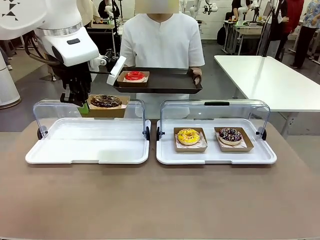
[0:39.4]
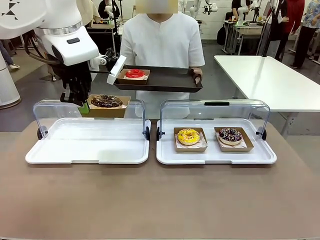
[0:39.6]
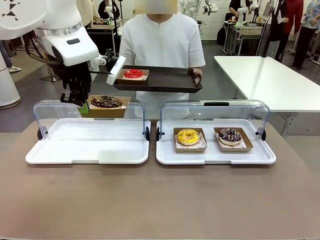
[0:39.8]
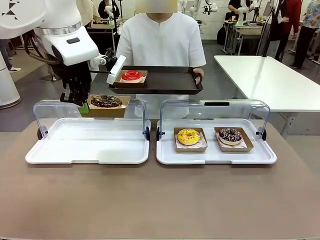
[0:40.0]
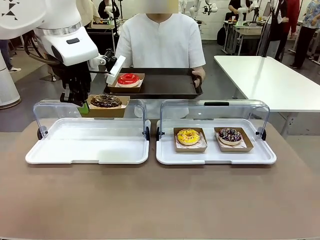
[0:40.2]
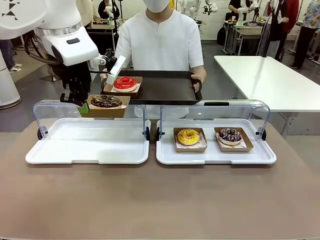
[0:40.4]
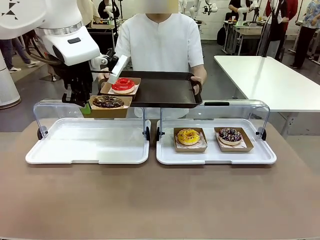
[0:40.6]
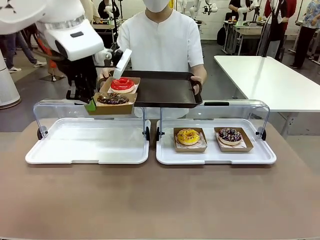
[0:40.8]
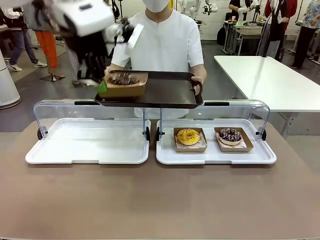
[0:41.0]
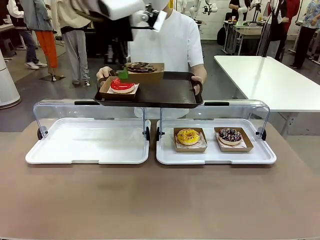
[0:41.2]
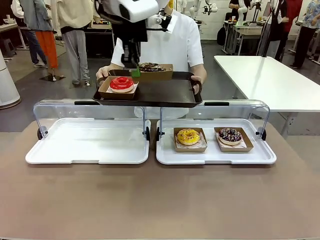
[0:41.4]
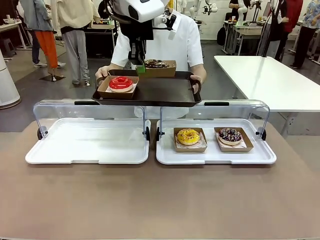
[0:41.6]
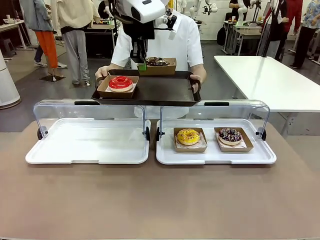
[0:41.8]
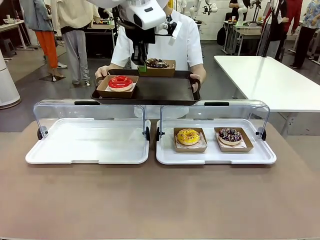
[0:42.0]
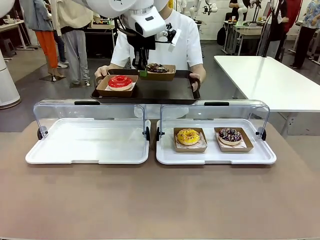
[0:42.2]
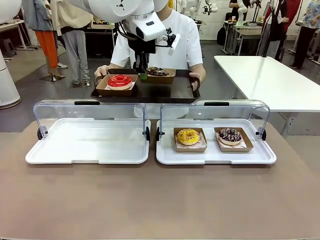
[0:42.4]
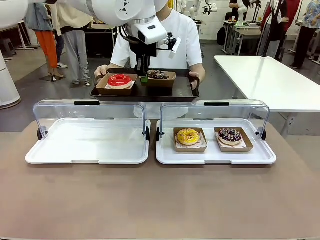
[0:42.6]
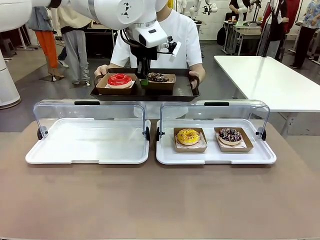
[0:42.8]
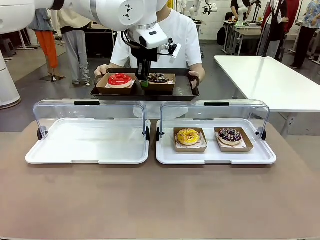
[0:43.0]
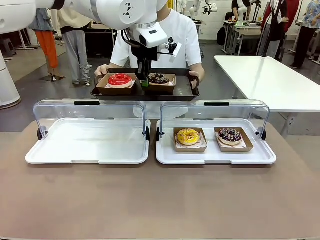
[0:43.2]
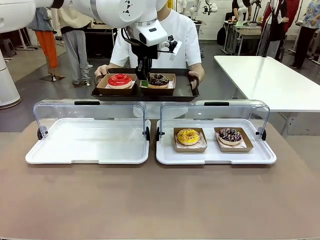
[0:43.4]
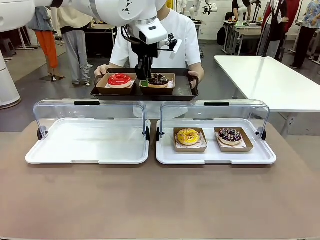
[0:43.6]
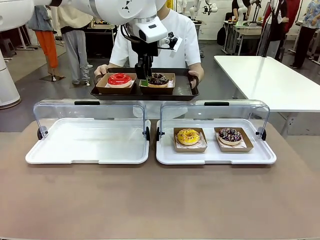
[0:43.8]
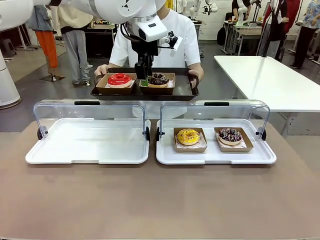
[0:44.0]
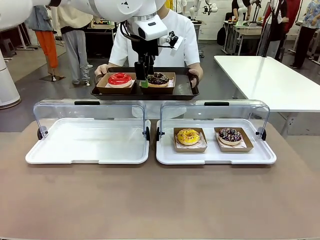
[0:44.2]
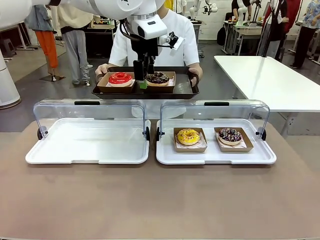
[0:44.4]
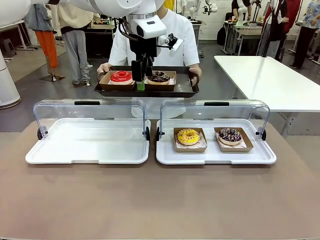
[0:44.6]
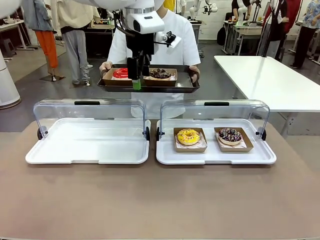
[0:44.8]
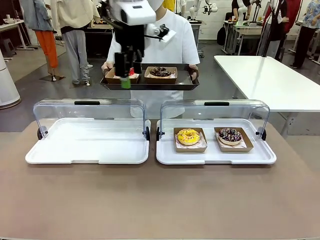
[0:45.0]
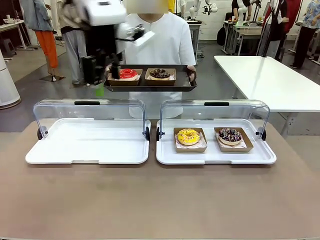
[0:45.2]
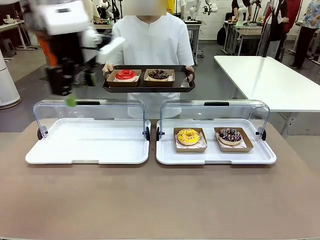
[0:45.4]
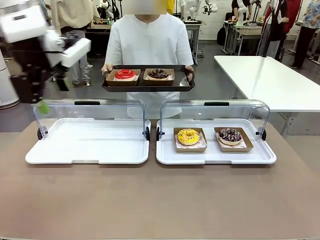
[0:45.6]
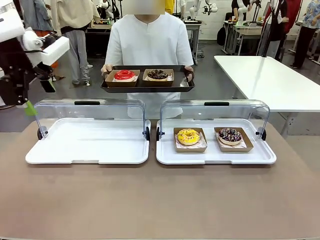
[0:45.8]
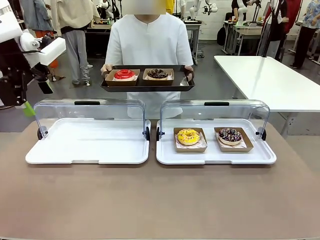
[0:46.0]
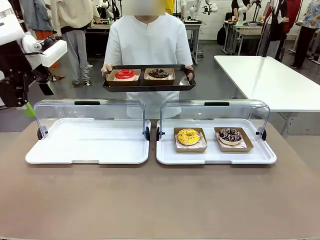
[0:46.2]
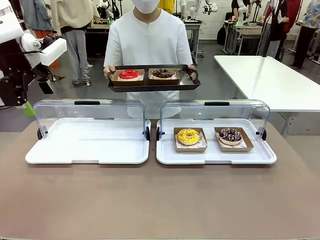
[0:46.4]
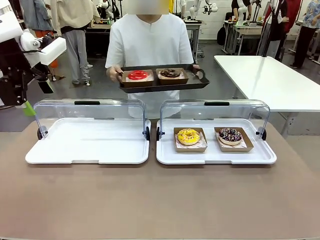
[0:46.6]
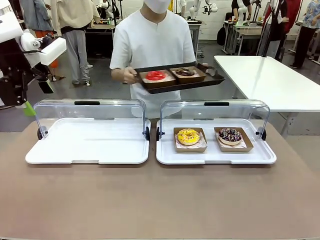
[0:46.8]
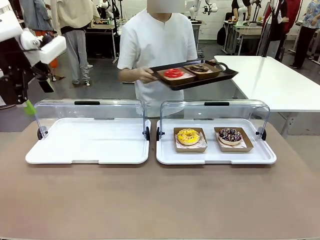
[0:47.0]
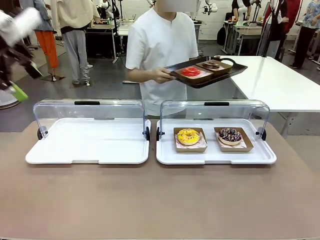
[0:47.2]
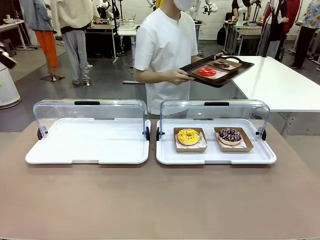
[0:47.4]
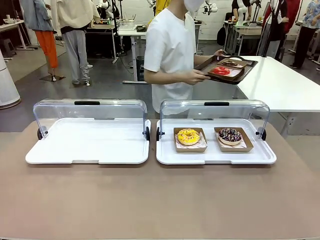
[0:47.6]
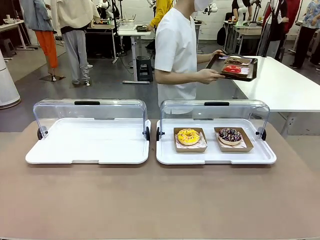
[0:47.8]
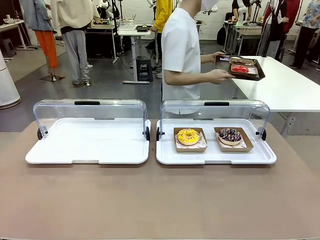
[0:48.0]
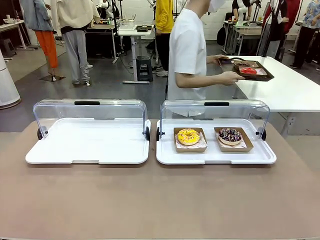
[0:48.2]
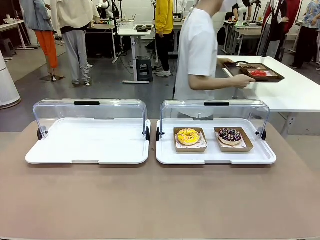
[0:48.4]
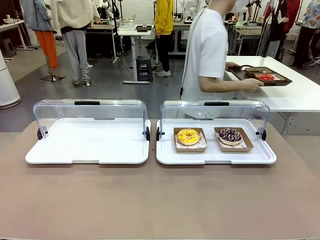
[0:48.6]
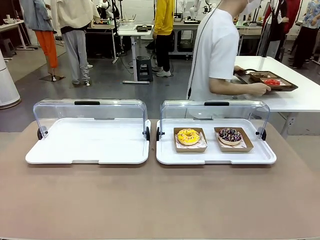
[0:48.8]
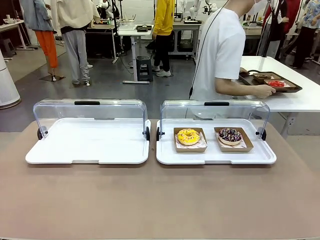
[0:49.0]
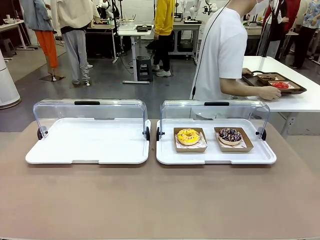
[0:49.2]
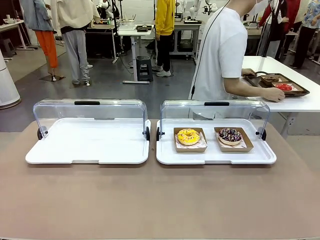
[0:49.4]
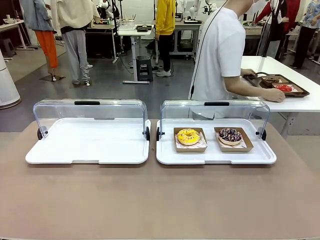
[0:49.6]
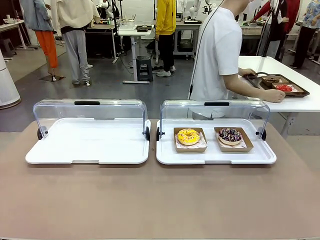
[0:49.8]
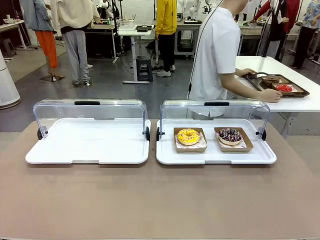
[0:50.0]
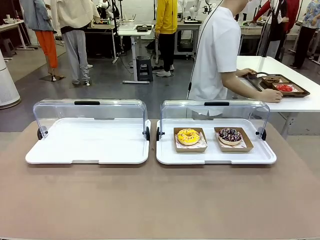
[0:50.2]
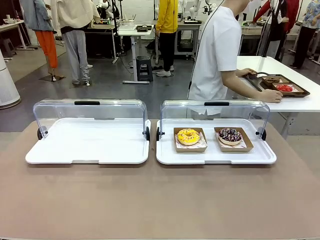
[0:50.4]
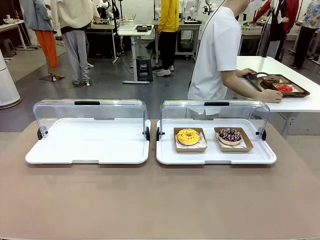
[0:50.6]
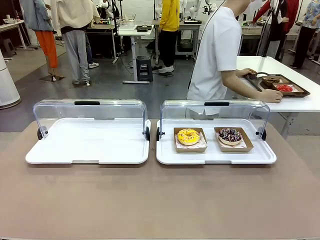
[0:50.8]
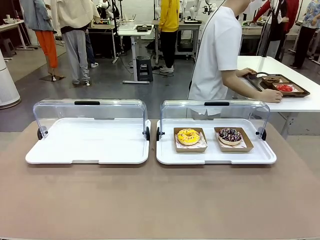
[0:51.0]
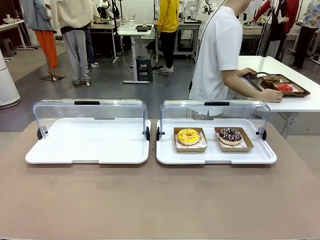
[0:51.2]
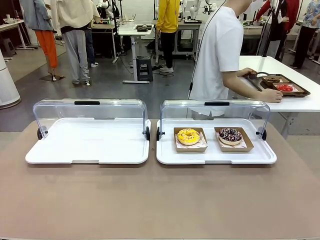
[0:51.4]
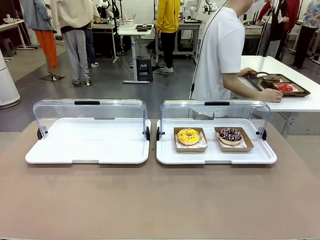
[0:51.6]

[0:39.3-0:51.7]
Task: Provide the desired donut to the person.
Robot: Place the picked Paper togo box onto the Handle tray extended by the person.
Person: Place the tray in the middle of the human table.

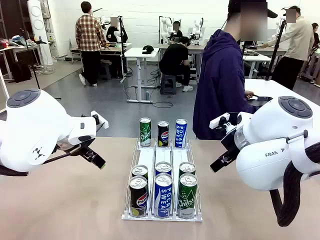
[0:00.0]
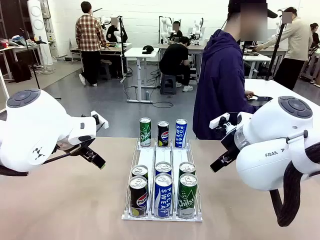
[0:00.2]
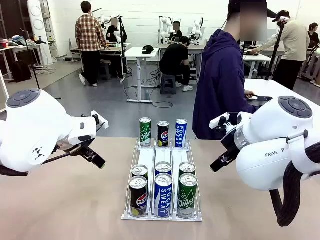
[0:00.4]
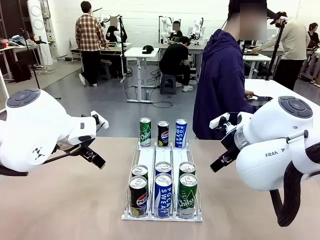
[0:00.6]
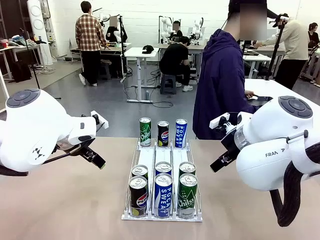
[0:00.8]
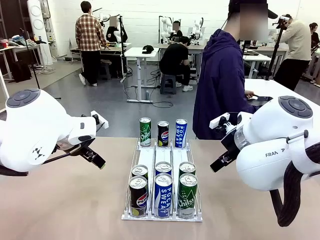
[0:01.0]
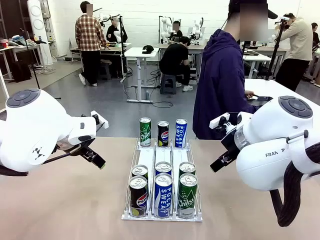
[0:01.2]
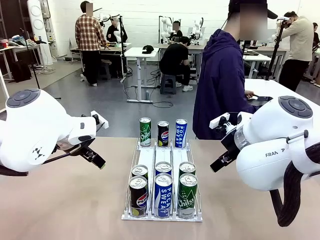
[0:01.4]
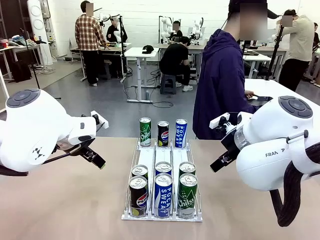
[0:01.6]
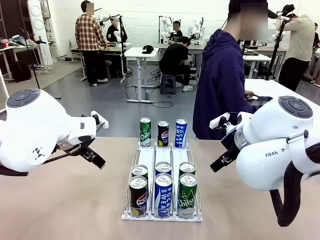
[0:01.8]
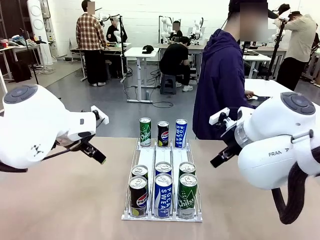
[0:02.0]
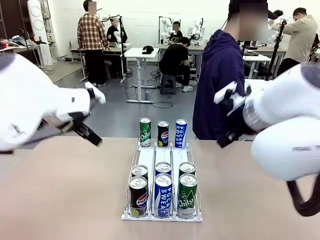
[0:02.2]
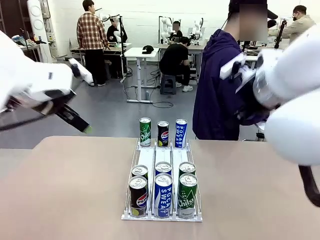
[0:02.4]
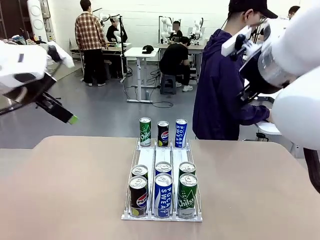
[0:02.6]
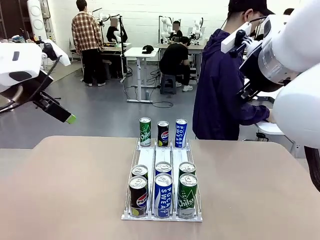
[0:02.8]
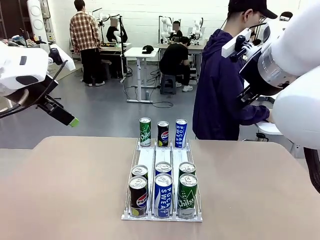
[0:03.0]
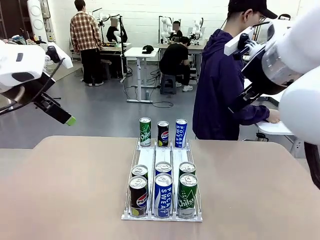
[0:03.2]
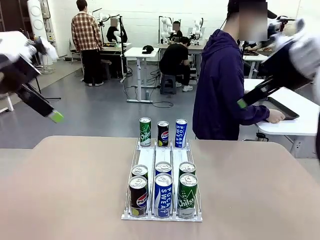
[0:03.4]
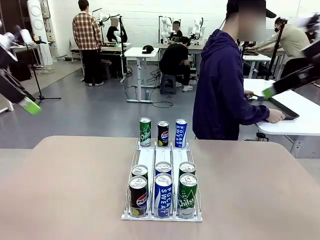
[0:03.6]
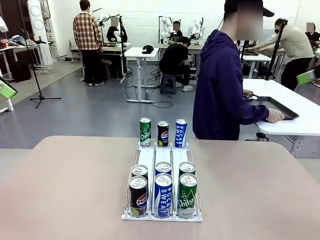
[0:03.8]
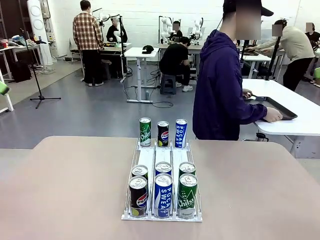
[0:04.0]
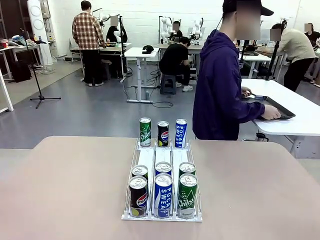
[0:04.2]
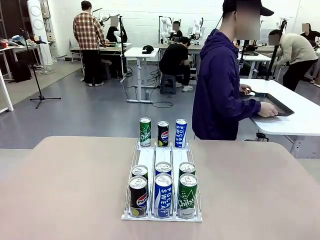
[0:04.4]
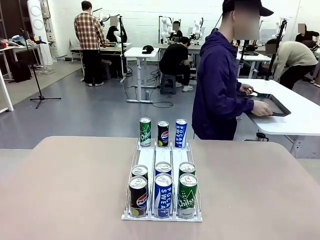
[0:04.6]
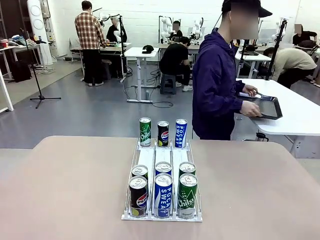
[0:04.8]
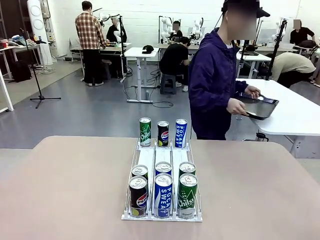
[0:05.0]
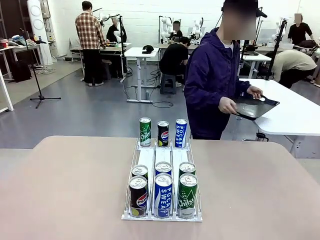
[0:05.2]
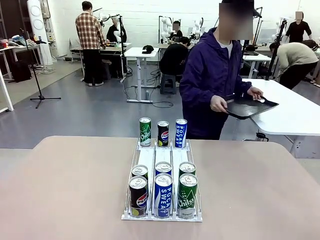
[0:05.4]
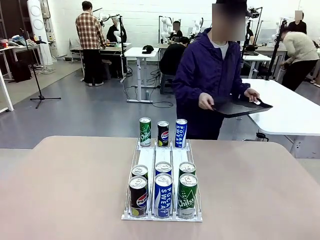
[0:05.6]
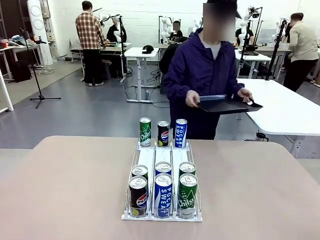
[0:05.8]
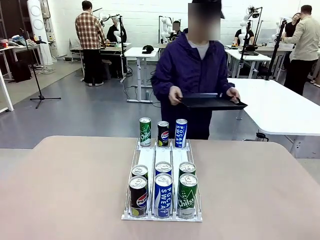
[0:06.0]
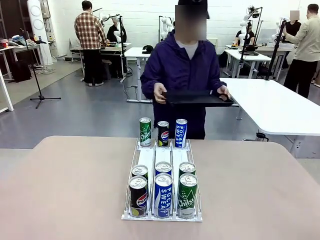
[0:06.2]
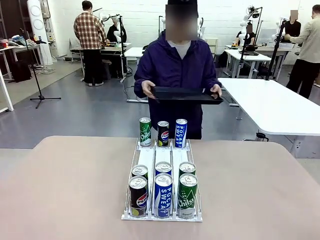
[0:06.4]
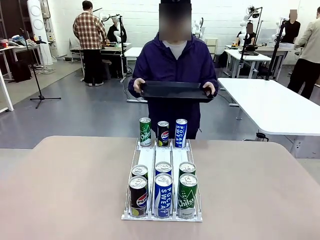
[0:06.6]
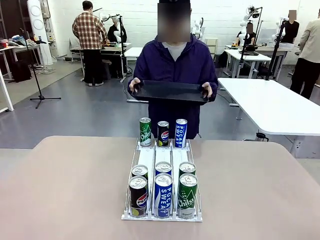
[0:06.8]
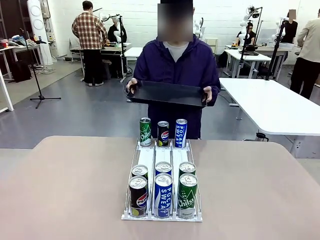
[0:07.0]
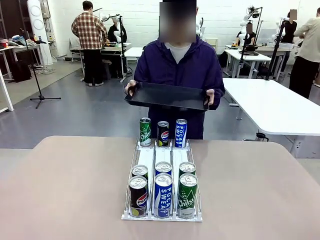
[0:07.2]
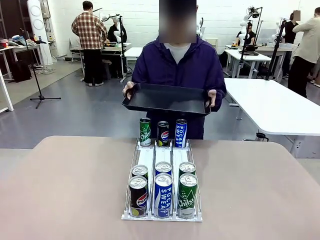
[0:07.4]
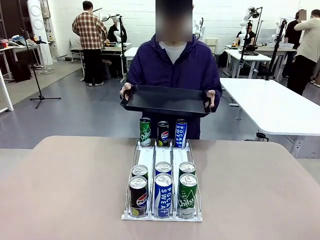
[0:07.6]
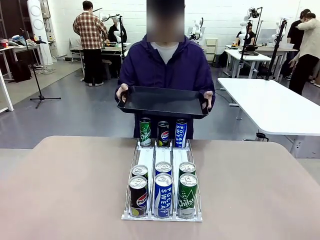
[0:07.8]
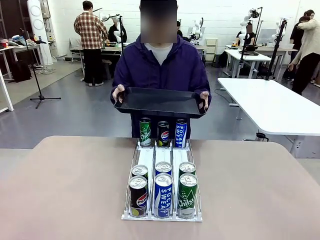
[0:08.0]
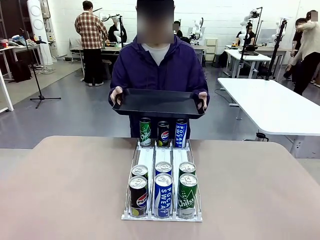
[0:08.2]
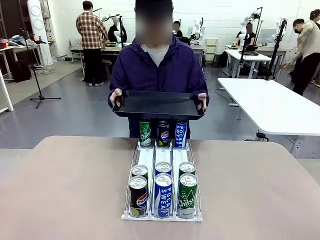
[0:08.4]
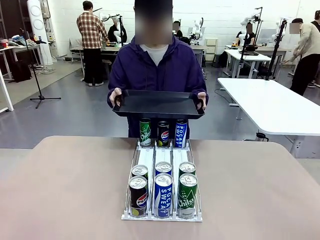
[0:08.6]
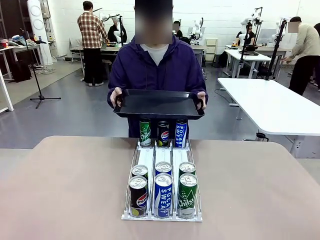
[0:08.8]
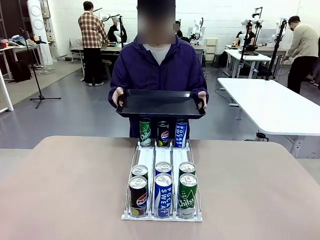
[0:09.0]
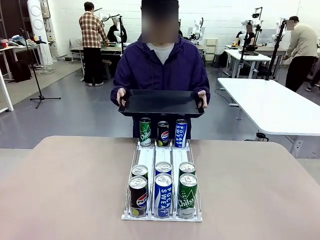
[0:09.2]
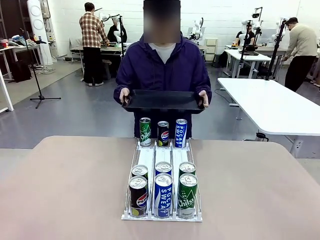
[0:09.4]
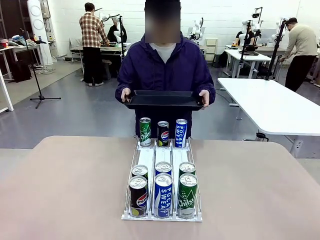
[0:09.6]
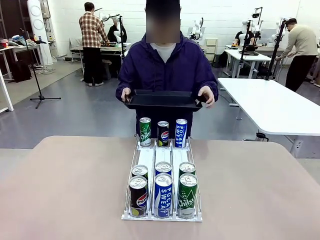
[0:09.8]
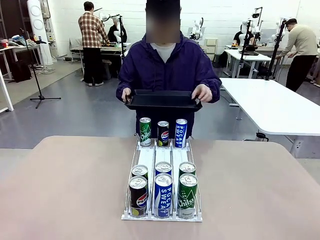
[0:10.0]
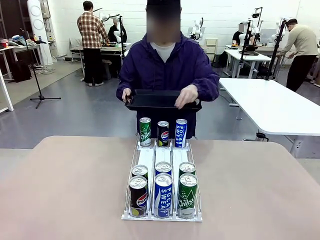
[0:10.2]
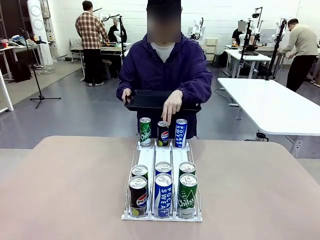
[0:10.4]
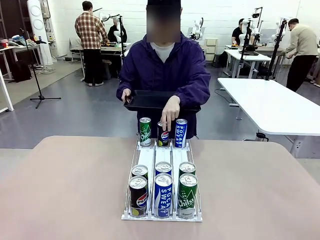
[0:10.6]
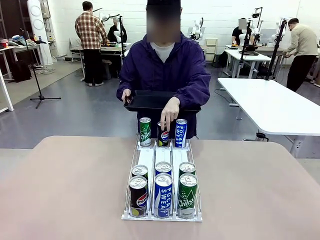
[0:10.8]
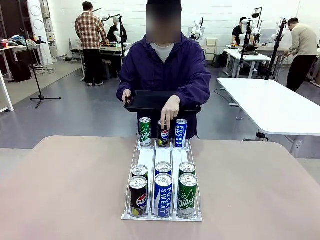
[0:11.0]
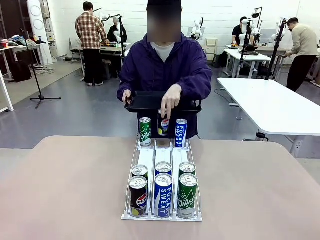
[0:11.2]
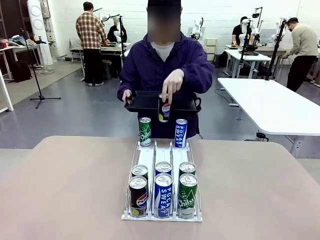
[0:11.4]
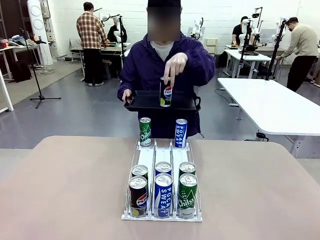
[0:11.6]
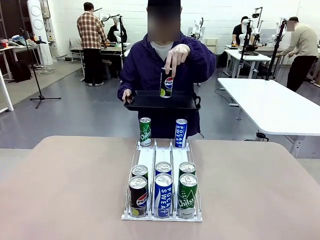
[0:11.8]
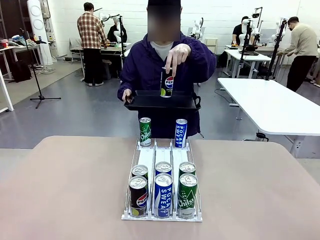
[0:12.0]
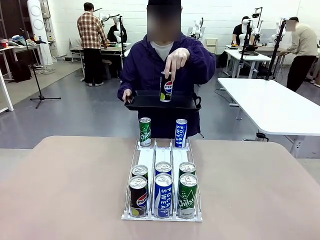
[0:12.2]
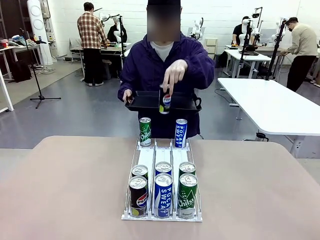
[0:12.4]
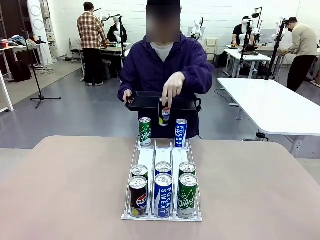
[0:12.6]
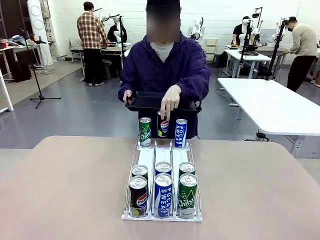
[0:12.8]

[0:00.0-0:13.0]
Task: Retrieve and hand over the desired beverage to the person.
Robot: Pick up a can of the same type that the person held from the Automatic Can Dispenser.
Person: Hold the tray and position yourself in front of the robot table. Pick up one can from the bottom area of the table and puts it back in its original place.
